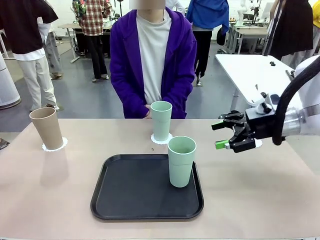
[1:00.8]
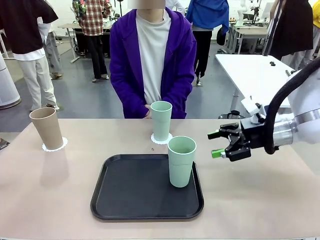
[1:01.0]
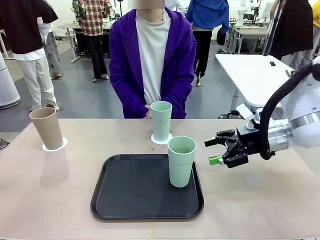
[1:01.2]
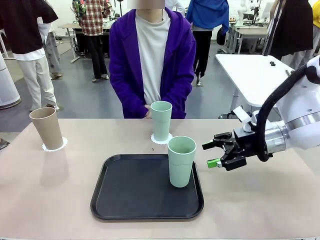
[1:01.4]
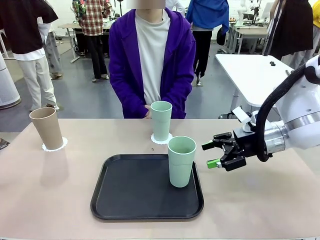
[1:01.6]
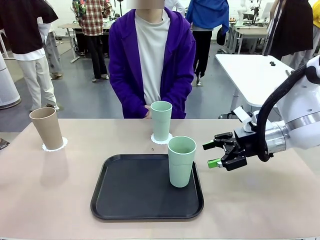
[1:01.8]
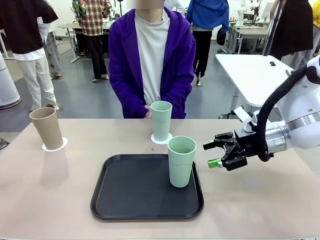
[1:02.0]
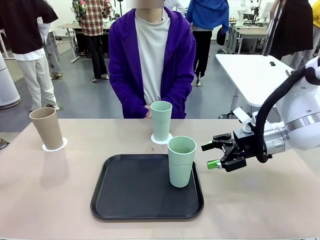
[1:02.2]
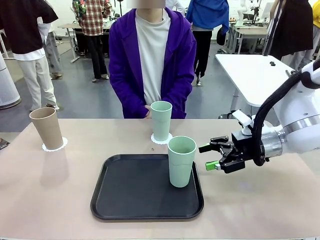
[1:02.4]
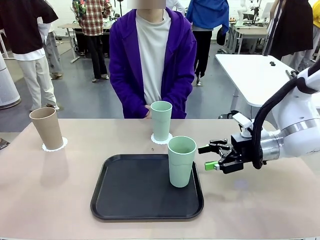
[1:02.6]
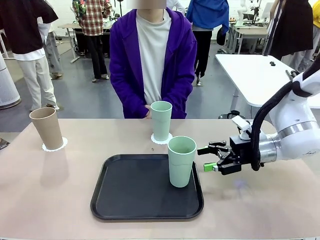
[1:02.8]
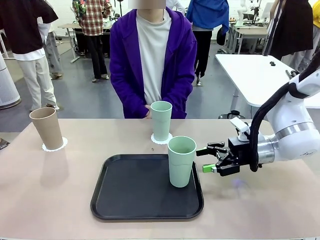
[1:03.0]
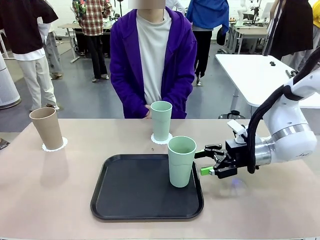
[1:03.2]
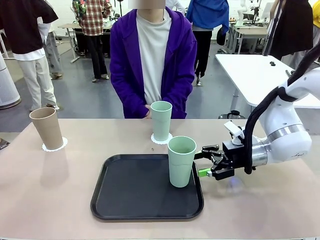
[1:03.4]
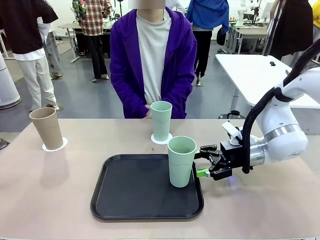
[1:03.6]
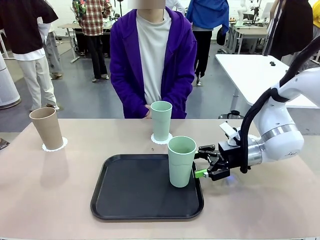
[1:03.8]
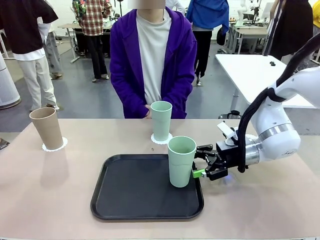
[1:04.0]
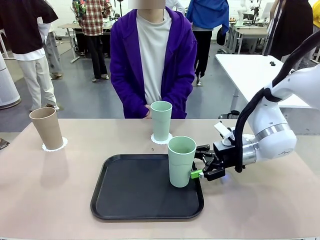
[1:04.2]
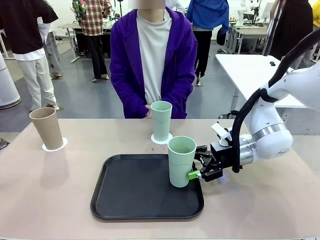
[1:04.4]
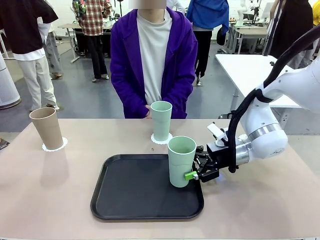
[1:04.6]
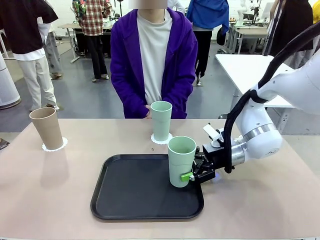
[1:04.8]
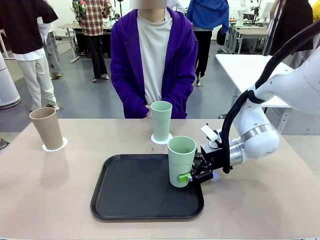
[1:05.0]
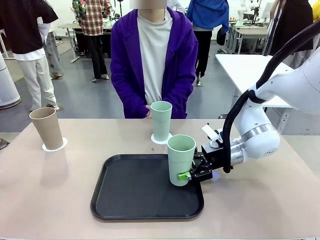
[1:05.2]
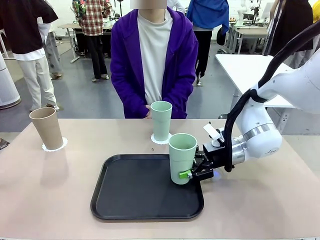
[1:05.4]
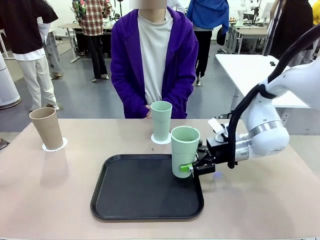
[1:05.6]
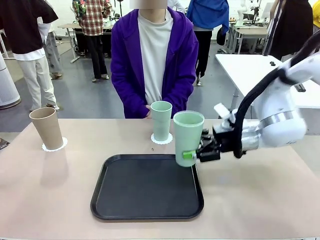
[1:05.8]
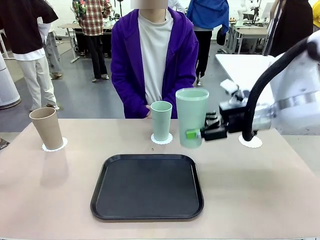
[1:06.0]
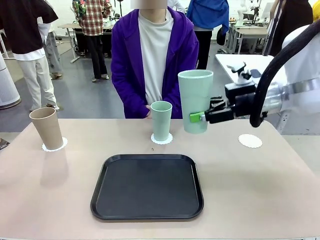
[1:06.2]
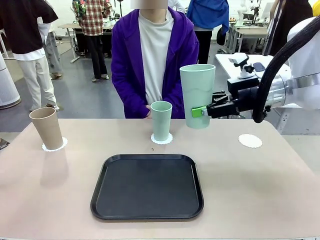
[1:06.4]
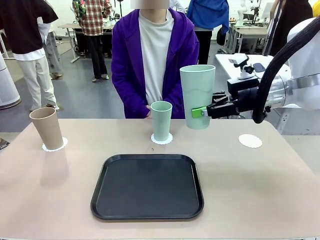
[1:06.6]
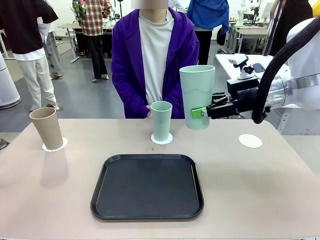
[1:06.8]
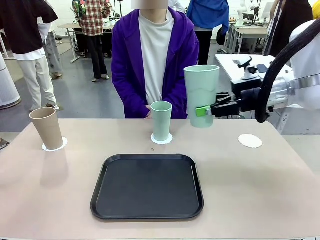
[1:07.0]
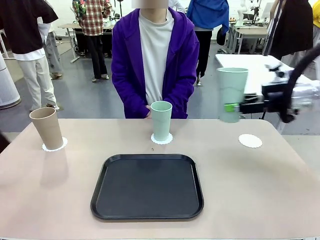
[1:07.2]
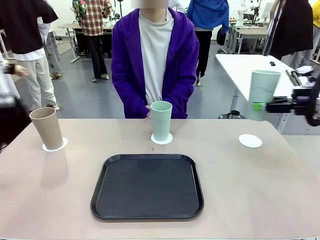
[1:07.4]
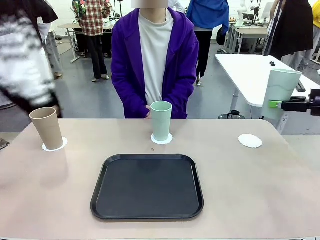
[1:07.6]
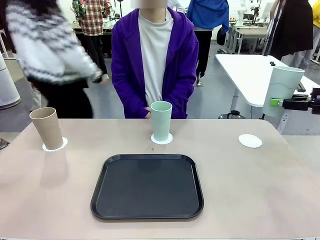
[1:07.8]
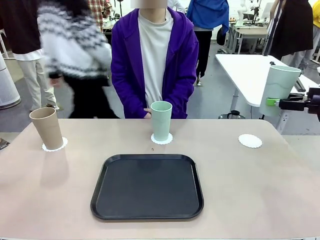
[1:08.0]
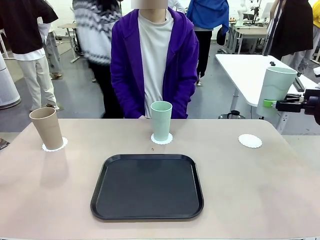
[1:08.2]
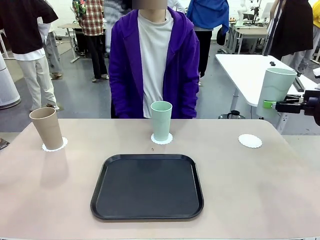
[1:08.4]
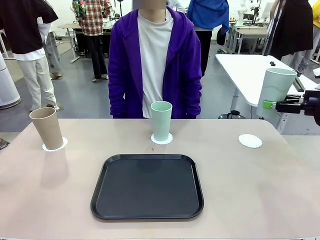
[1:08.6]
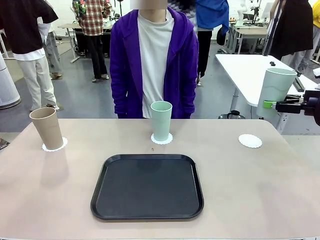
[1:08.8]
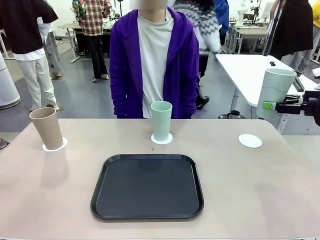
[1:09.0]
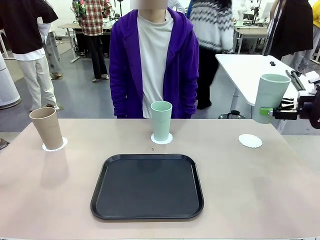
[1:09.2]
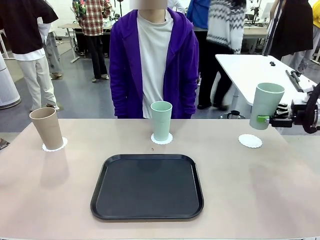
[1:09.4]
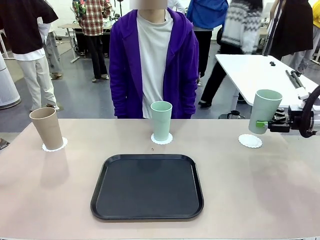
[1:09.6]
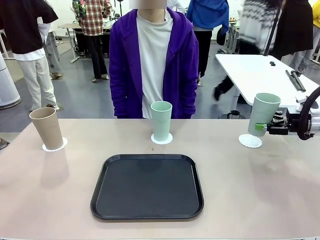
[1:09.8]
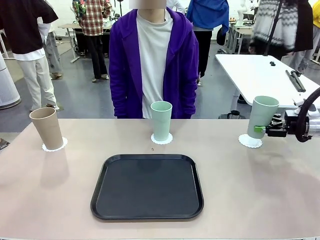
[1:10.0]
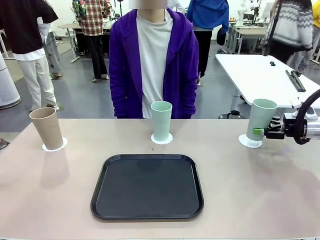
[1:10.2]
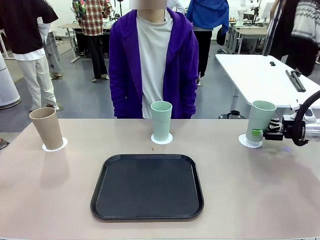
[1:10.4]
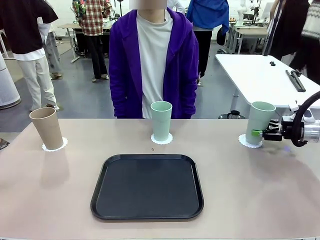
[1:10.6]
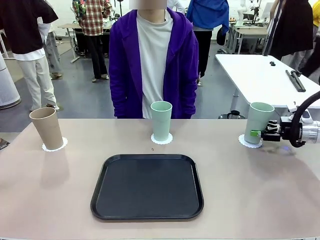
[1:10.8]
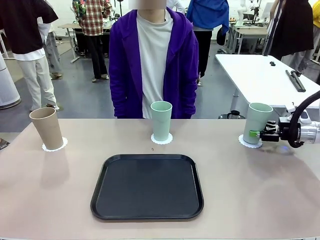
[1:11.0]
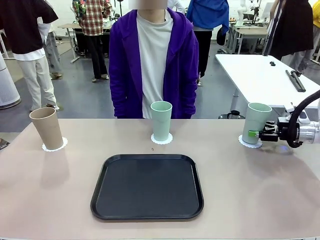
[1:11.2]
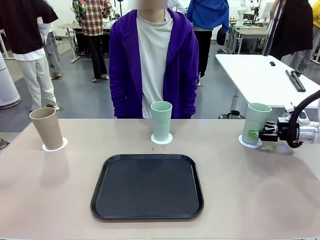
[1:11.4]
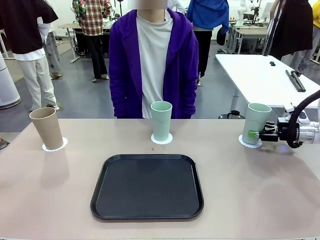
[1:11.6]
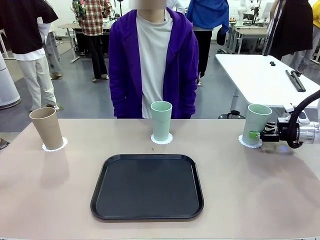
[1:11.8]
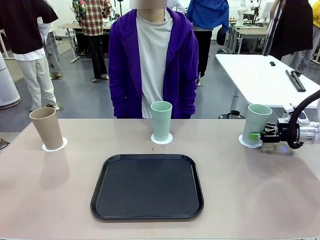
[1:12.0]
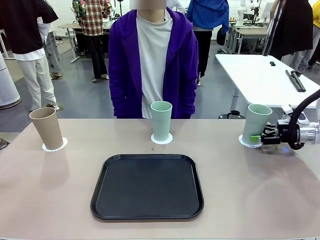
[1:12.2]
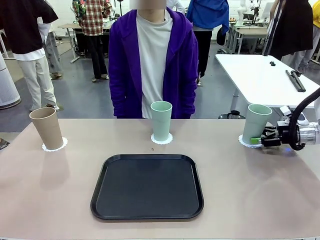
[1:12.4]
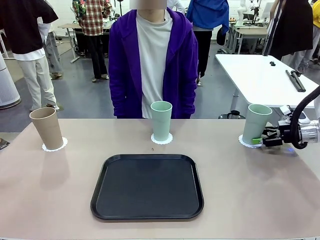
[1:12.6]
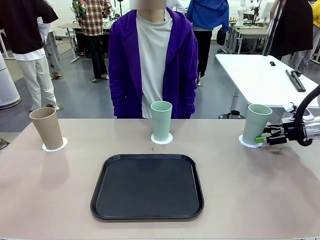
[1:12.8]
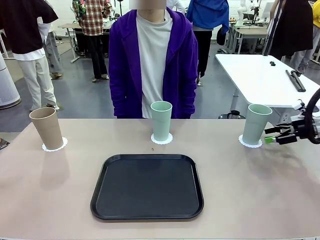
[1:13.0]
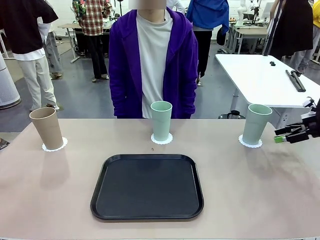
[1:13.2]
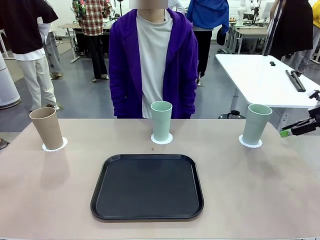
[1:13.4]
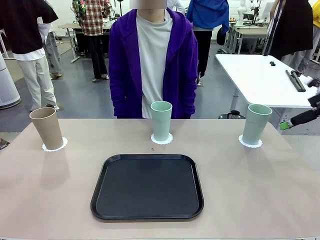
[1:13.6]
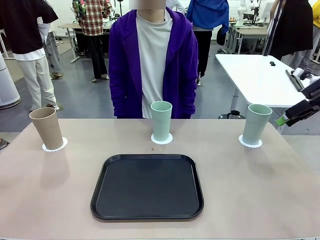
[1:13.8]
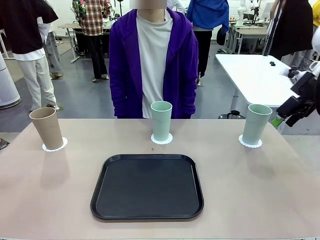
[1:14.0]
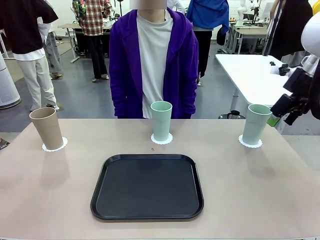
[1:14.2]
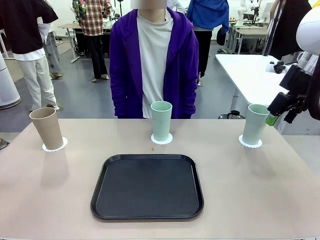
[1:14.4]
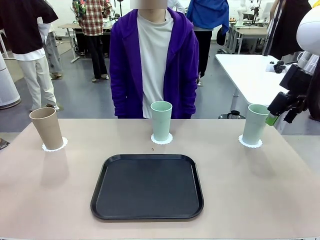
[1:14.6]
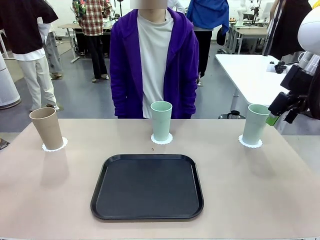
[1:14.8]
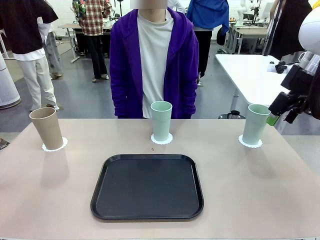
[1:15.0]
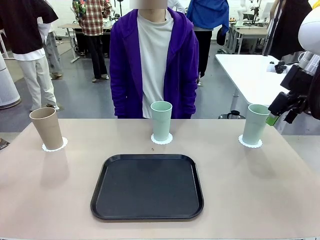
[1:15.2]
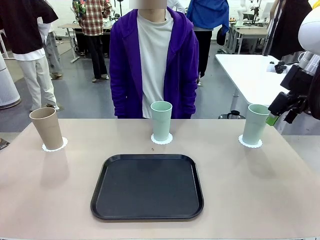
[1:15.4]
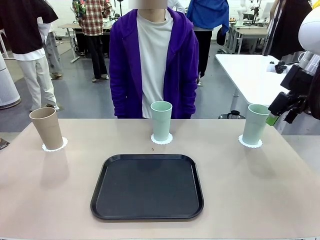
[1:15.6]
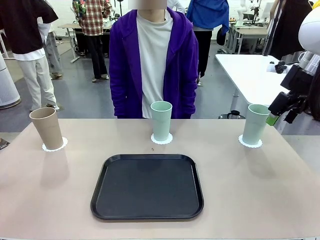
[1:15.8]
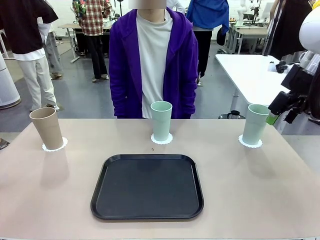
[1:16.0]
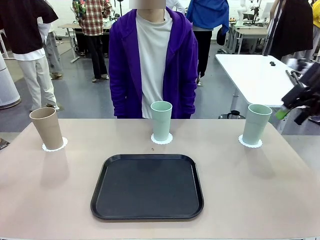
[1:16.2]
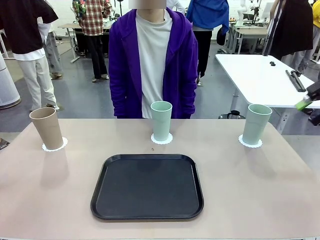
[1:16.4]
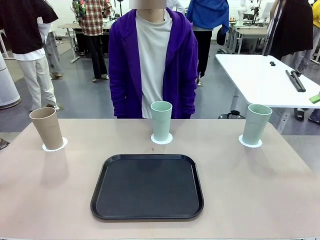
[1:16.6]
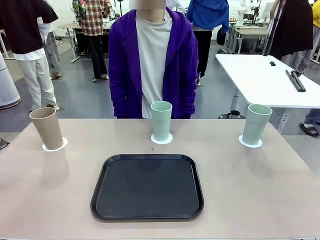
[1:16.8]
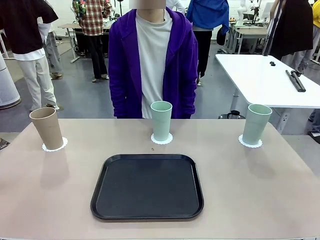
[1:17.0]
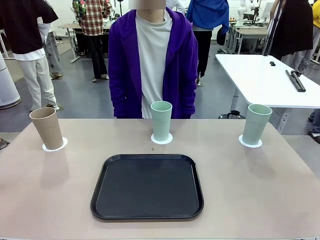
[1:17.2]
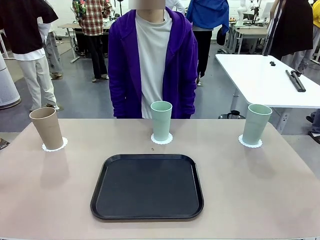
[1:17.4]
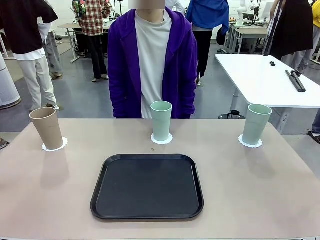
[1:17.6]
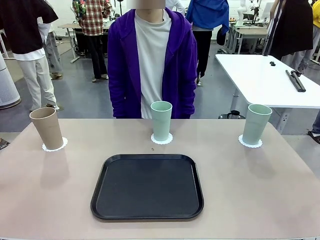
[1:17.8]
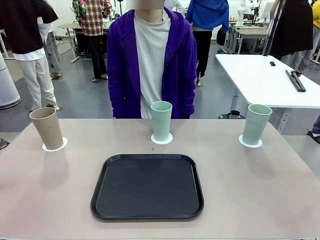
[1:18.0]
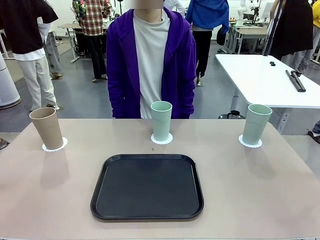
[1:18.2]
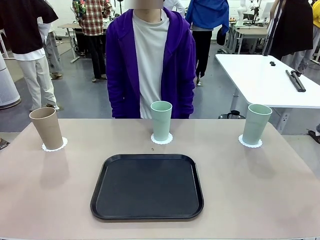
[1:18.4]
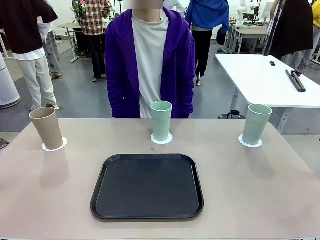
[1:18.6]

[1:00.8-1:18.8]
Task: Place coasters on the table and set cups on them.
Robot: Take one Reusable plastic cup from the Flat Tray and place it on a coaster set by the human.
